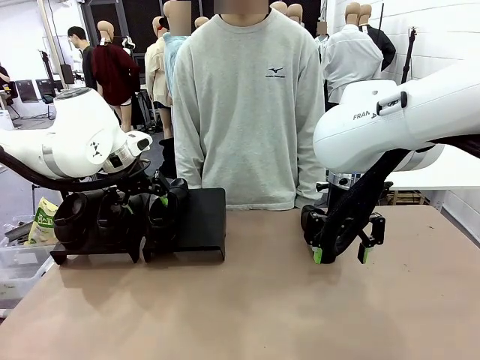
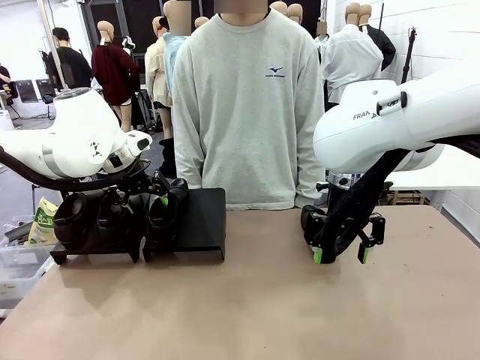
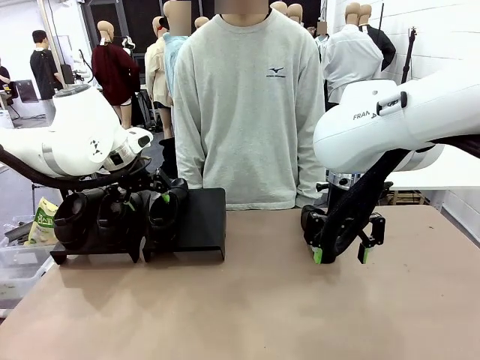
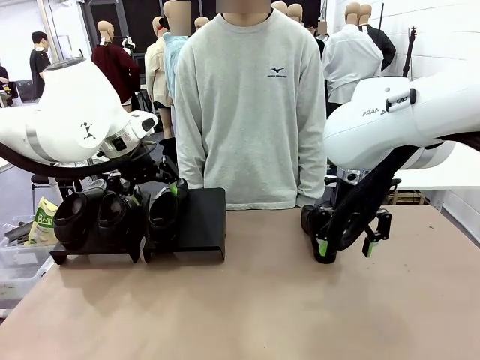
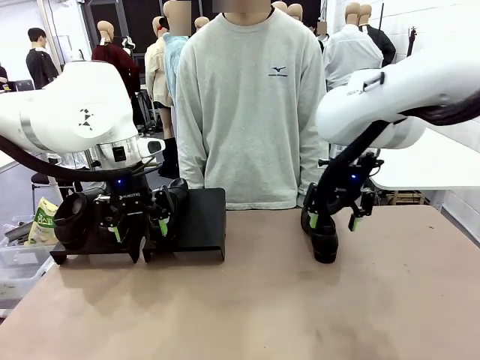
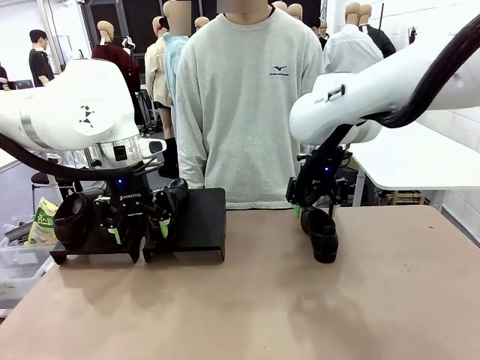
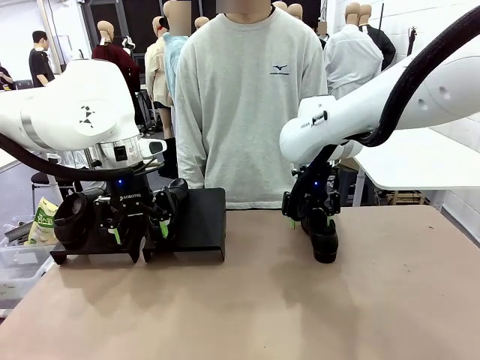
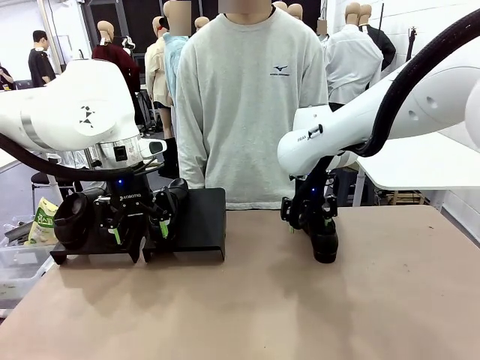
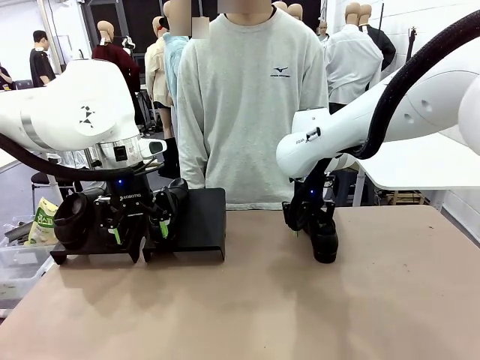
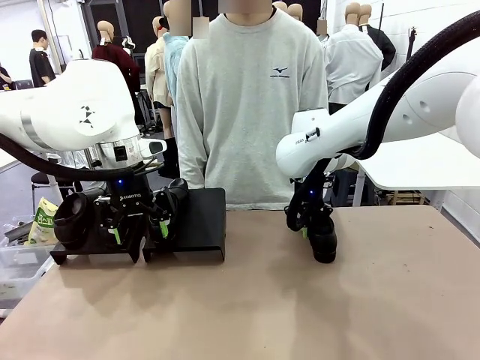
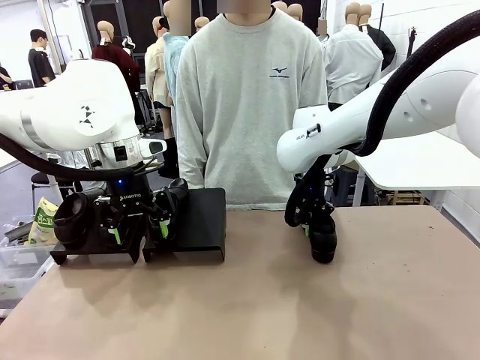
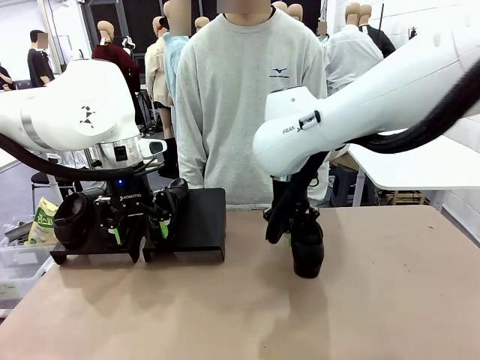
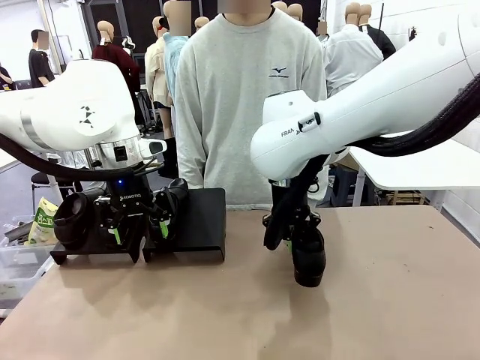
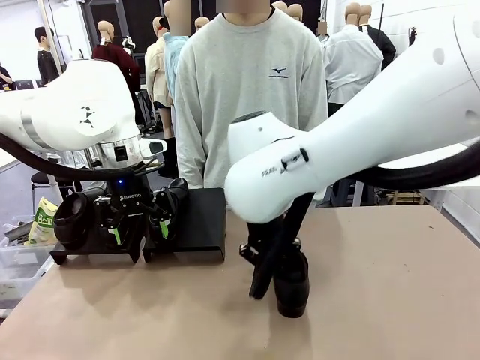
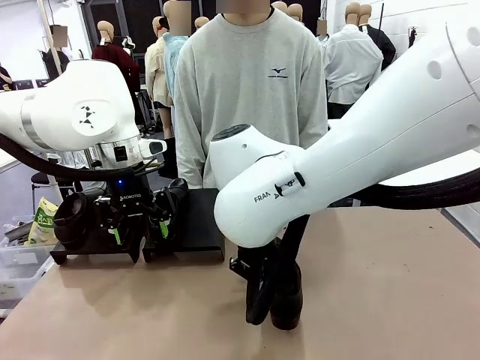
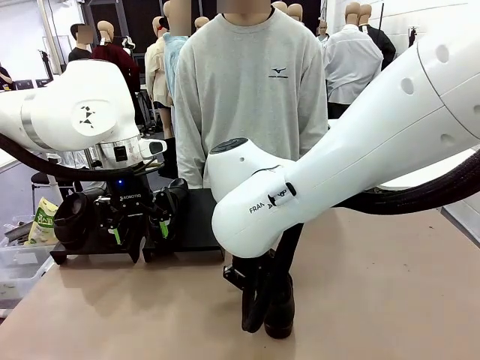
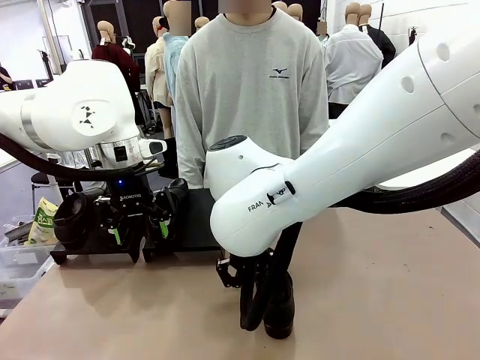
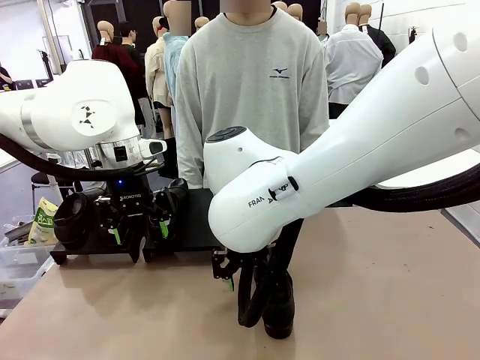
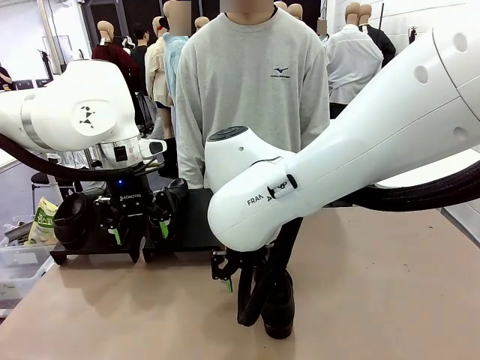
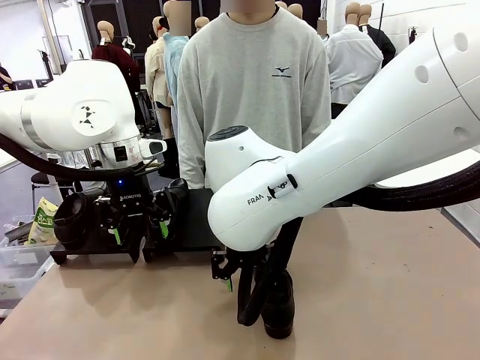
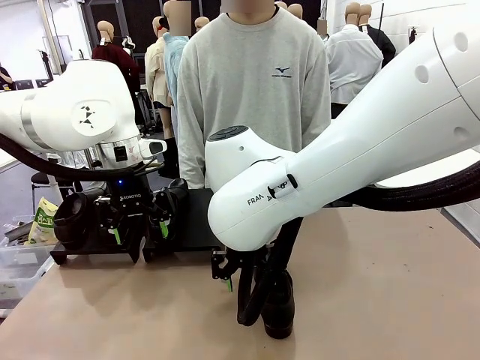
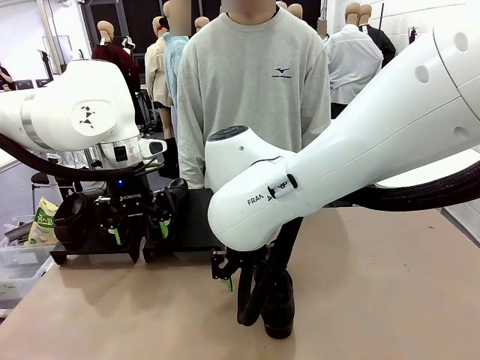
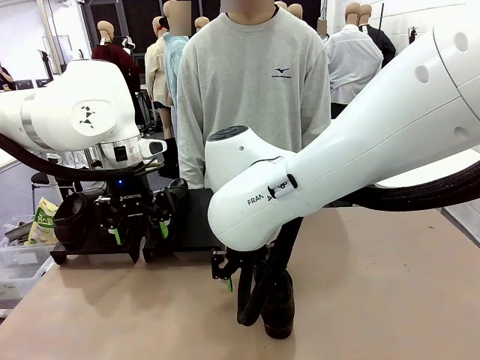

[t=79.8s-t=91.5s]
Task: Organize the shoes by placing them on the stand.
Robot: Pick up one Shoe and place it in the middle of the table.

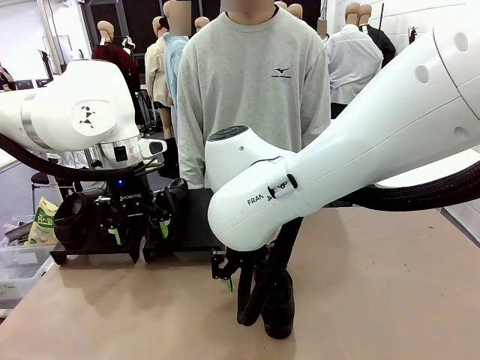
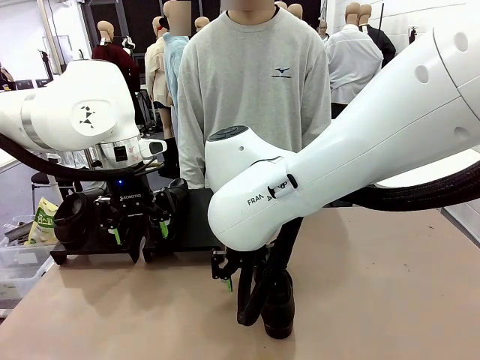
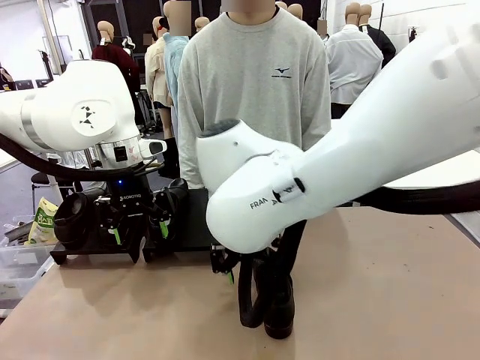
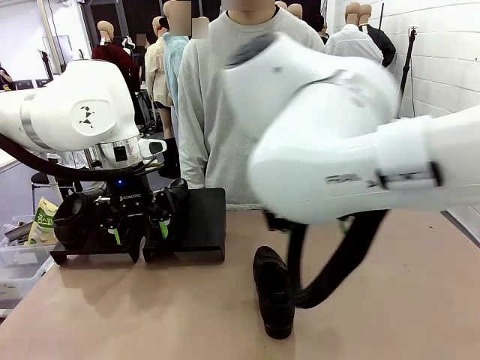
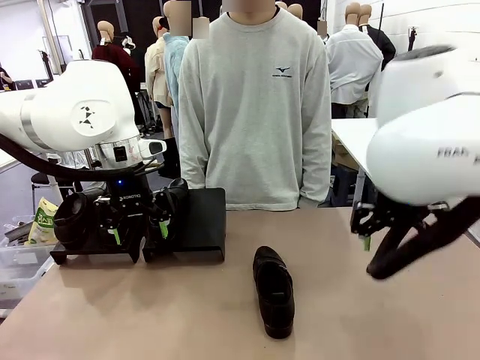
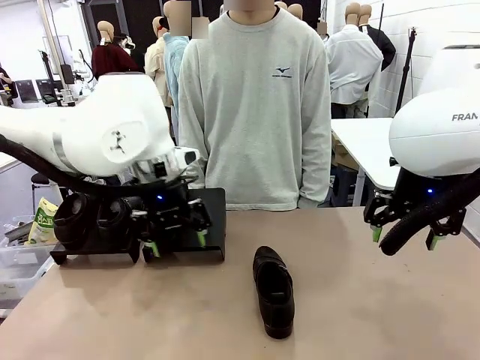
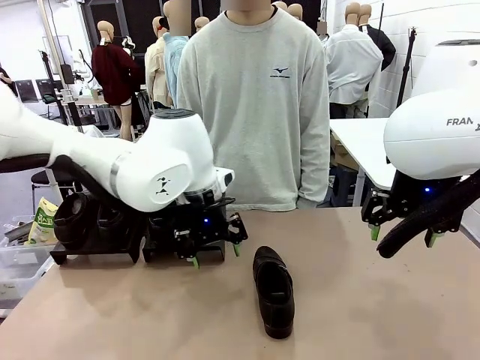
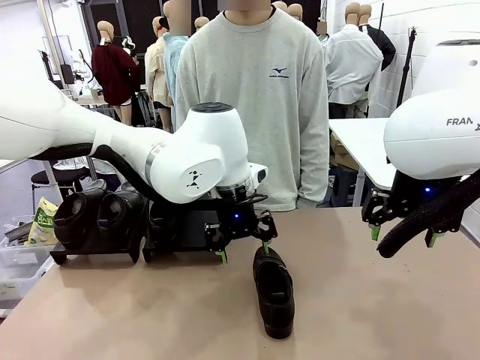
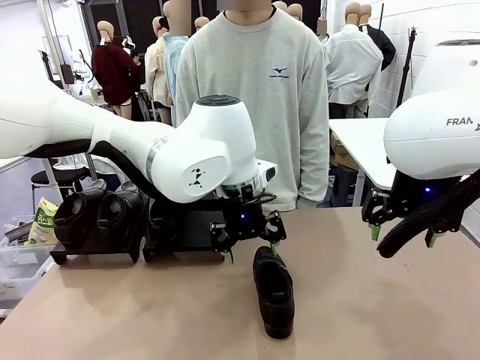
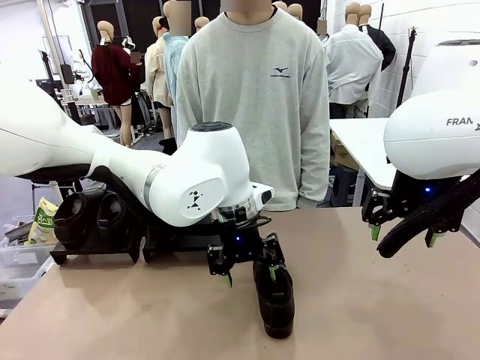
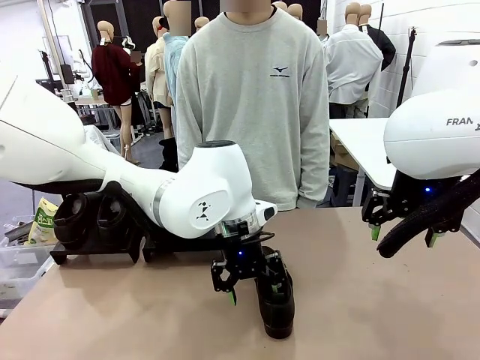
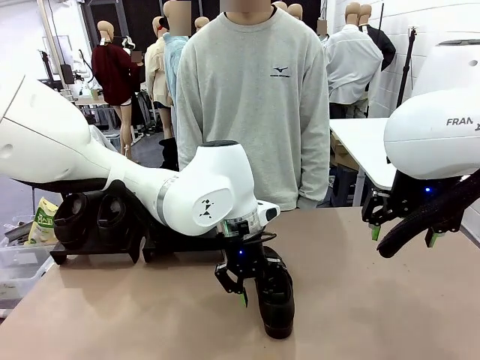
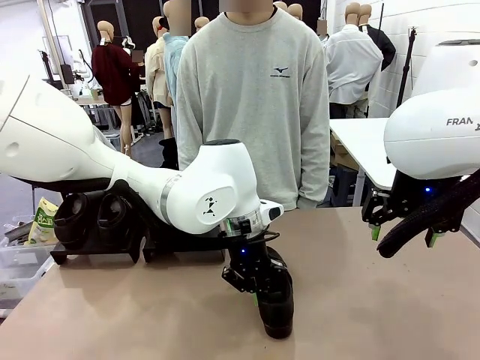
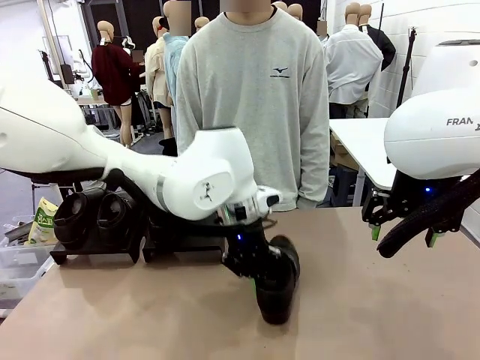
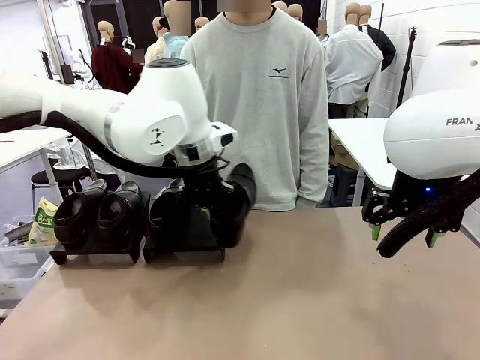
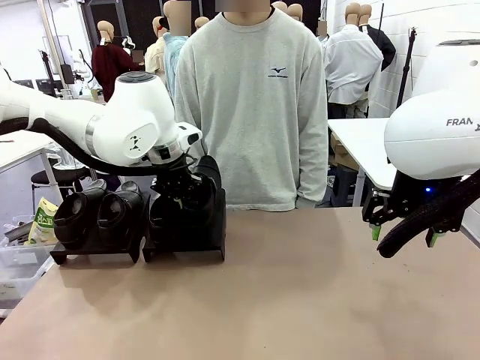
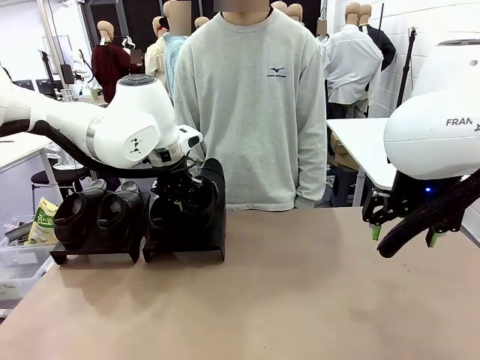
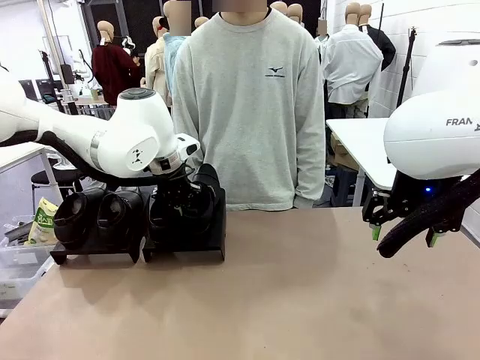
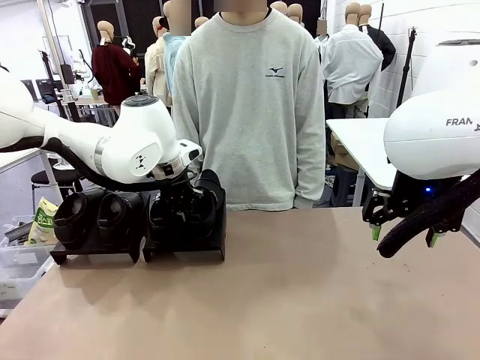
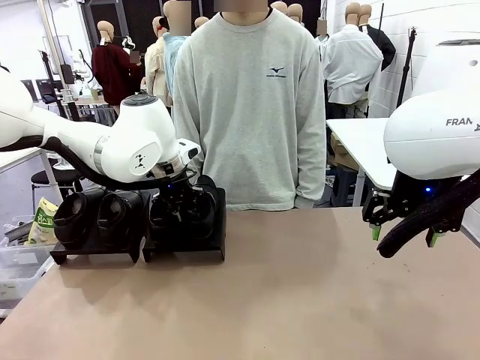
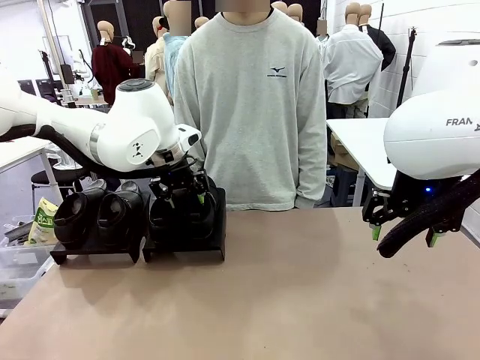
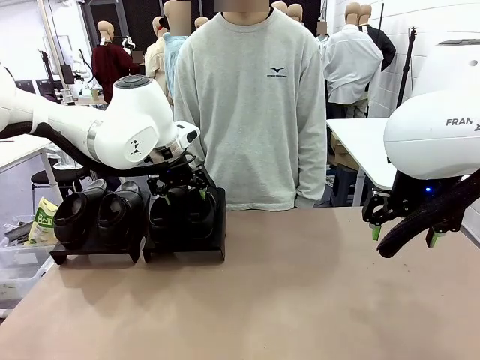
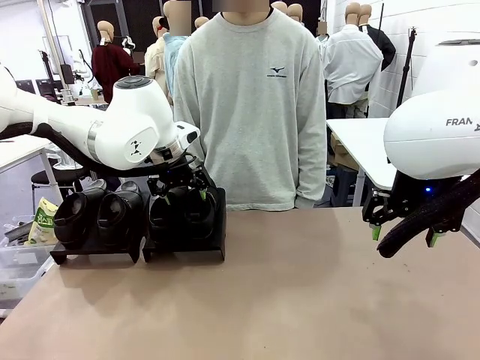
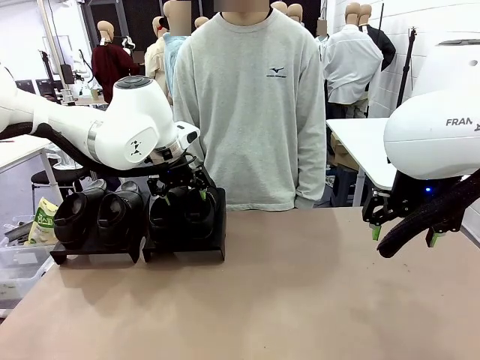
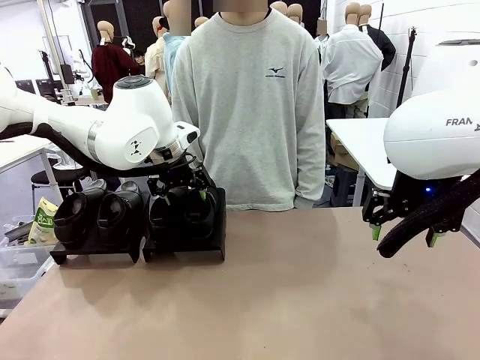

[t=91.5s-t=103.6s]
Robot: Place the Shoe from the middle of the table onto the Shoes Stand.
